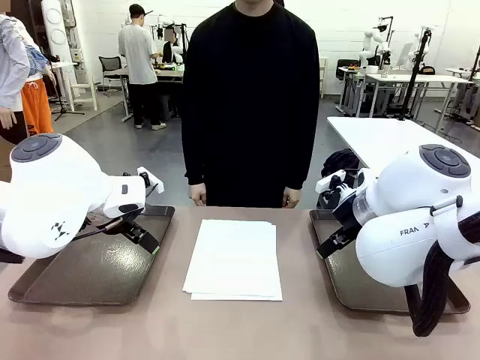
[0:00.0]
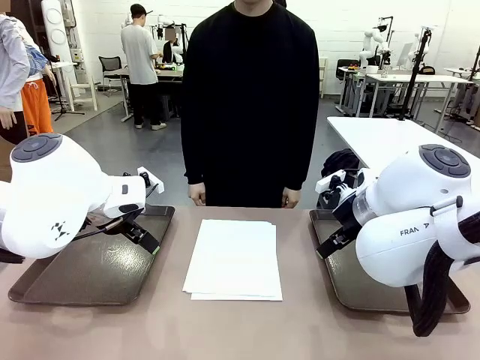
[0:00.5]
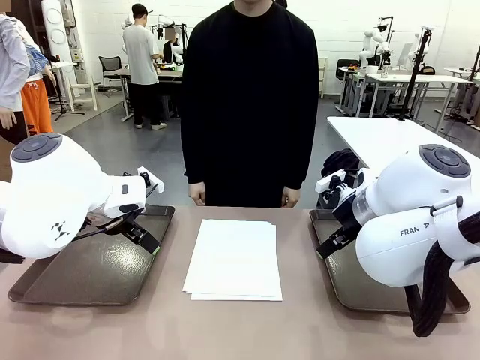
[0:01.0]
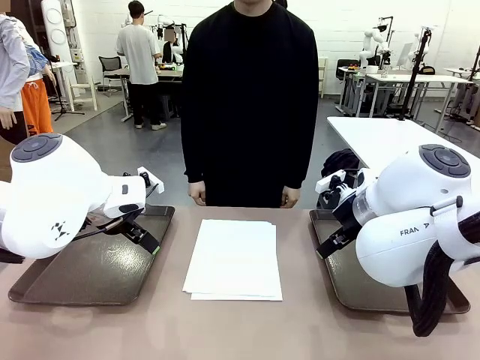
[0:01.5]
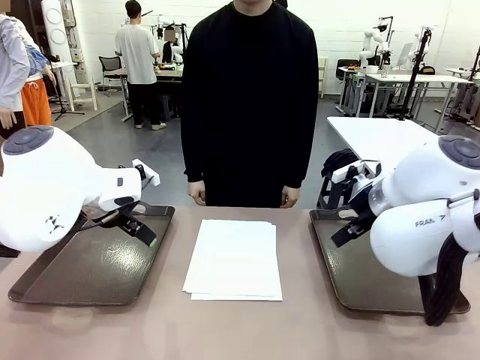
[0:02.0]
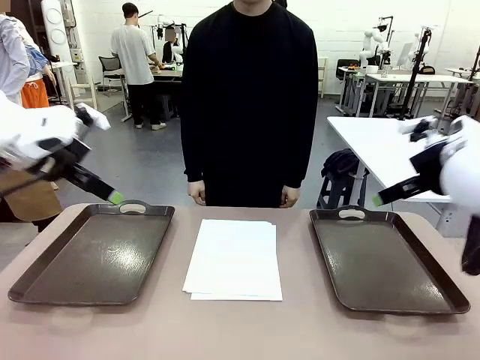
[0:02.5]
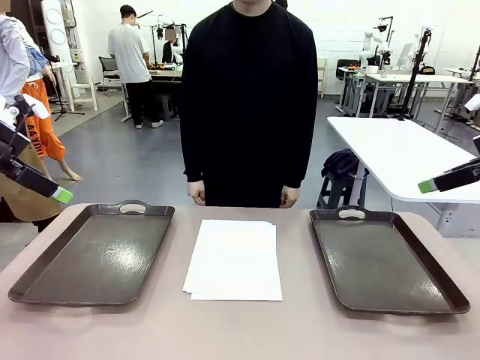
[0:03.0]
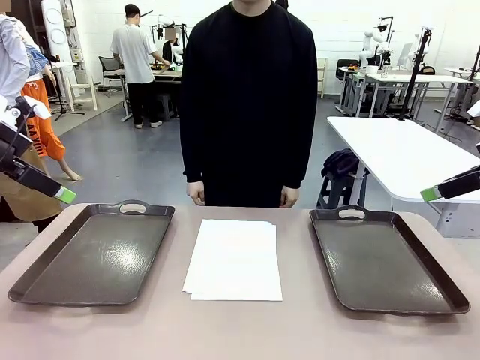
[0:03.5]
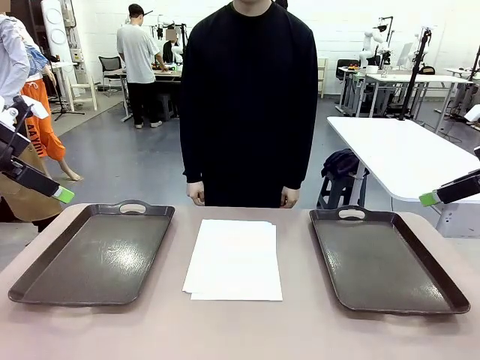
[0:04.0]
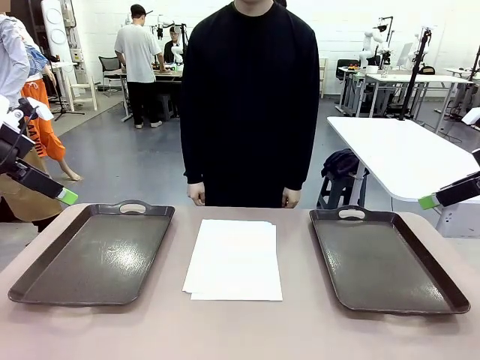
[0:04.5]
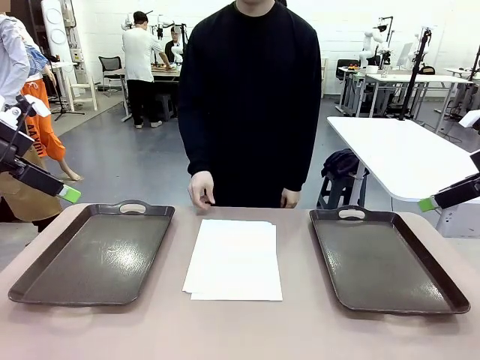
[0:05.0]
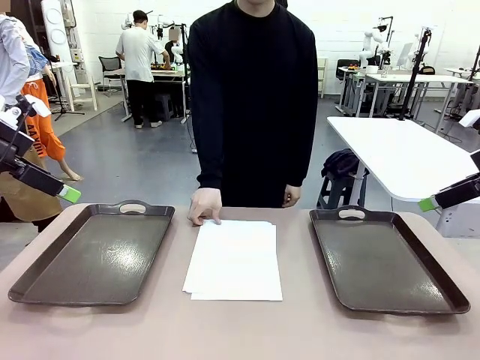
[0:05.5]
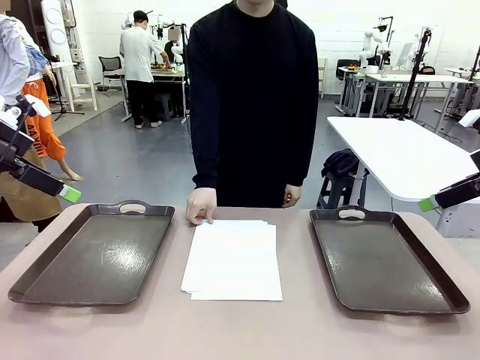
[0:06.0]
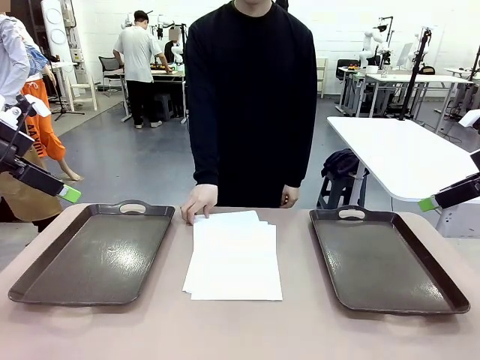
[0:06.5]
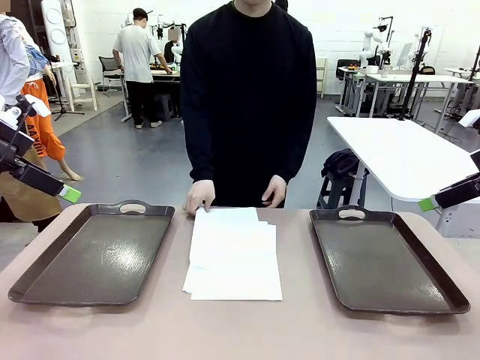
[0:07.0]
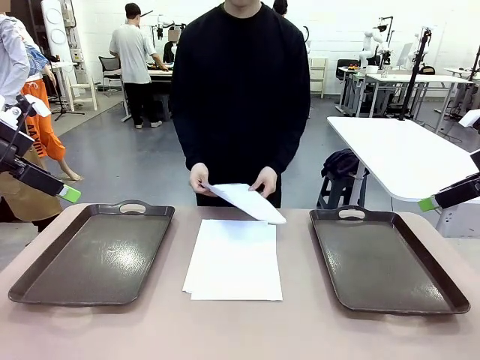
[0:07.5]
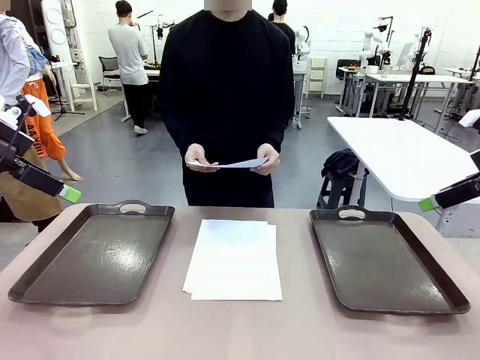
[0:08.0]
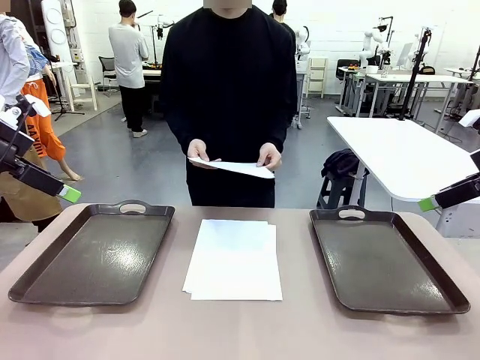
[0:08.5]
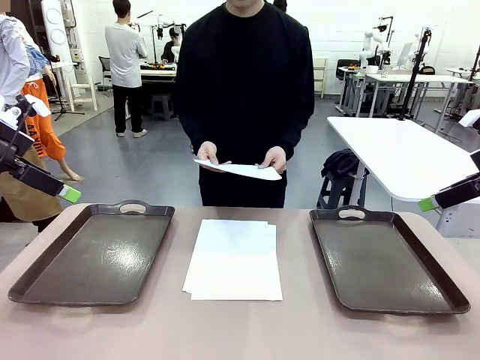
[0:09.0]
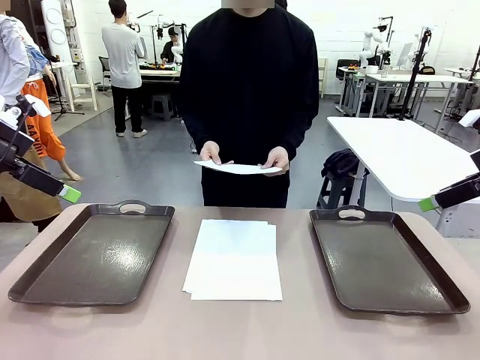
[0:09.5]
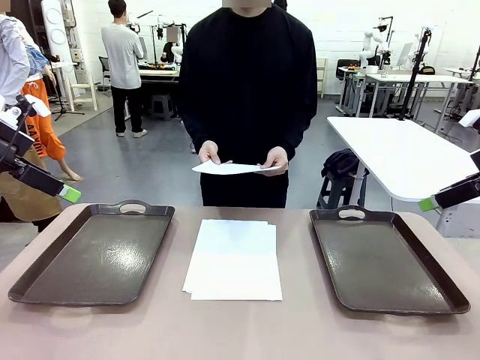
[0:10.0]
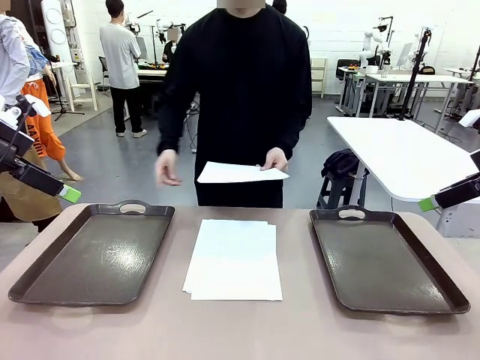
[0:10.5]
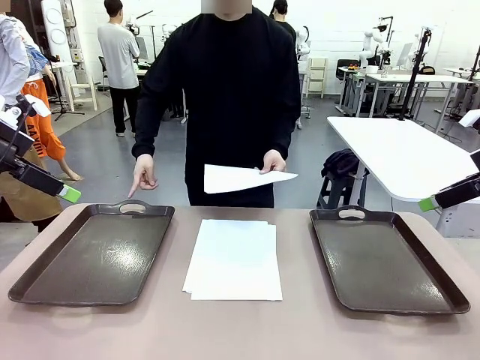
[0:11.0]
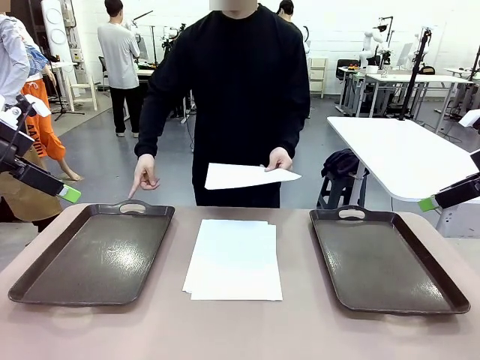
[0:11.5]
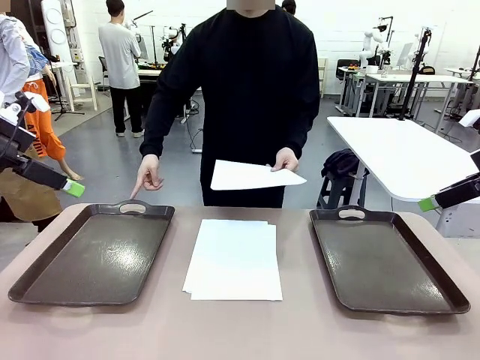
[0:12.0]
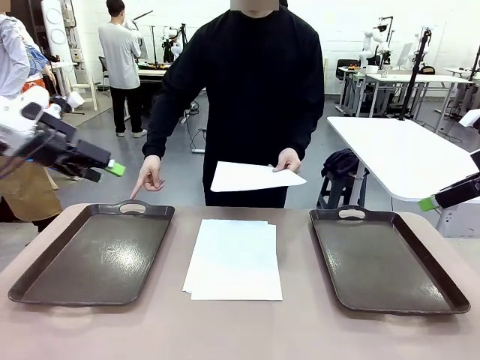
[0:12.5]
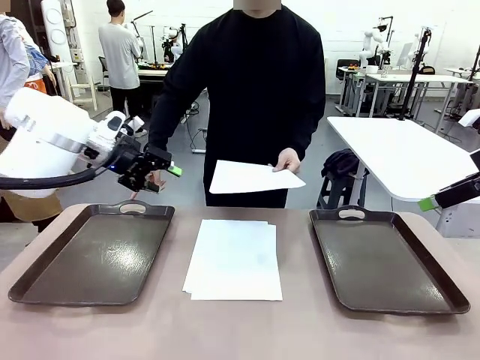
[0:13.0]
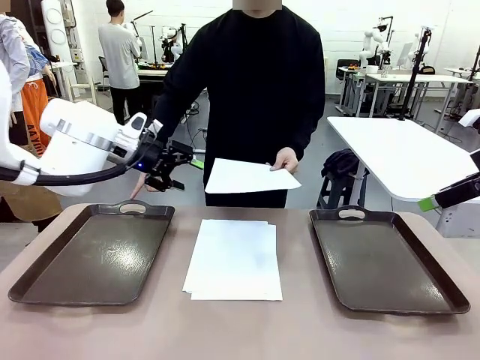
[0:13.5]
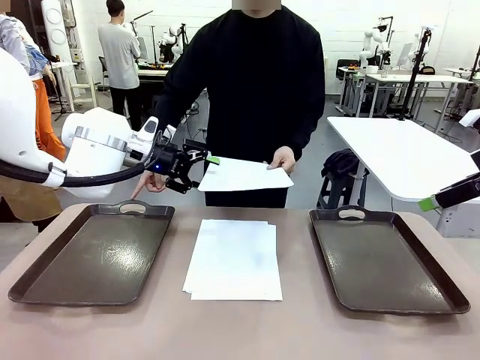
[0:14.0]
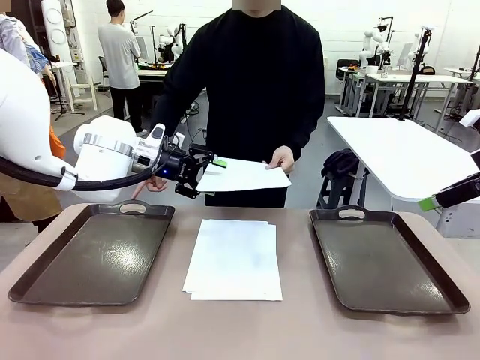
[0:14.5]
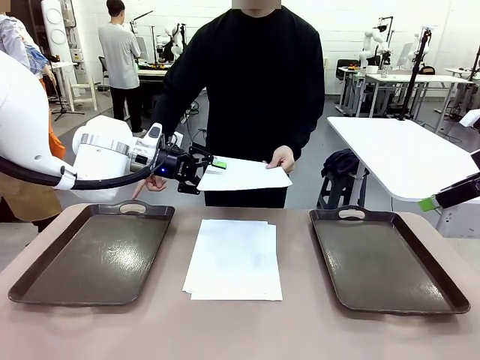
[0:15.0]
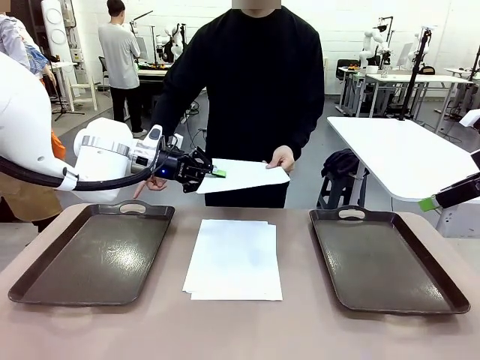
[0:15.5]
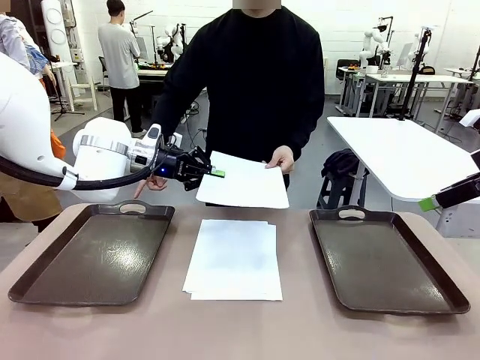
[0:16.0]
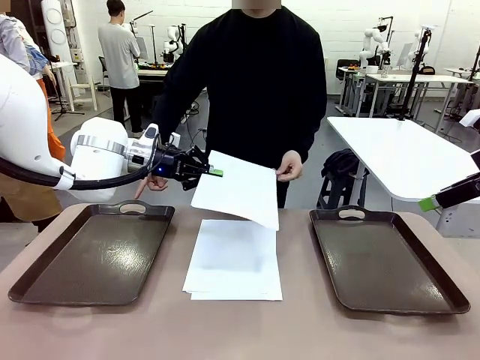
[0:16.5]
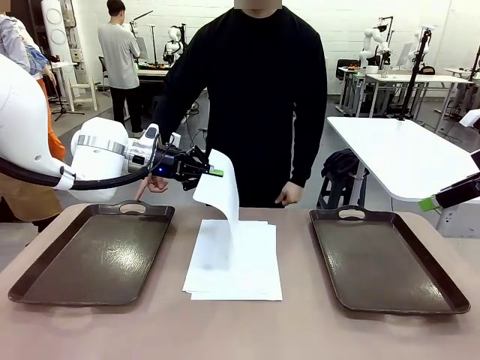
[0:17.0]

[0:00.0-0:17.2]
Task: Sort the A4 documents.
Robot: Receive the A4 Paper.
Person: Pick up a sheet of paper from the center of the table and hand it to the robot. Point the randomly selected tray with the other hand.

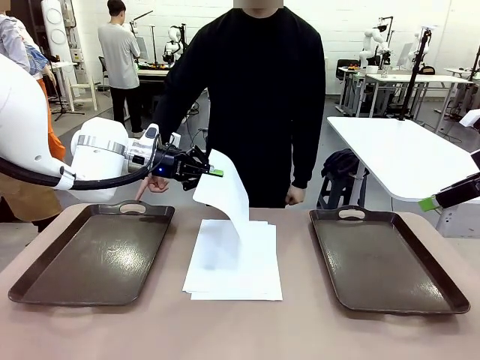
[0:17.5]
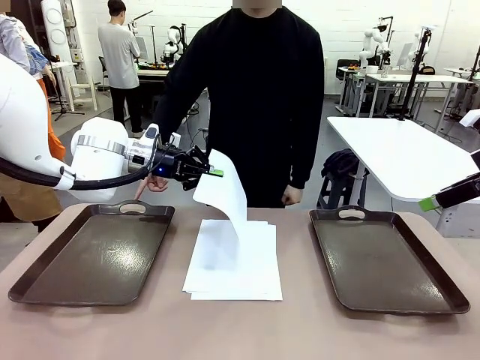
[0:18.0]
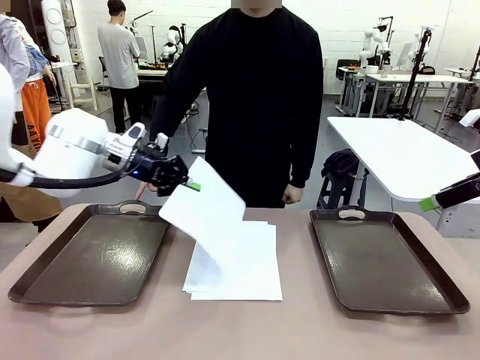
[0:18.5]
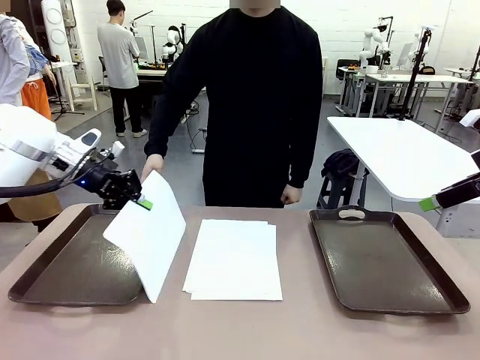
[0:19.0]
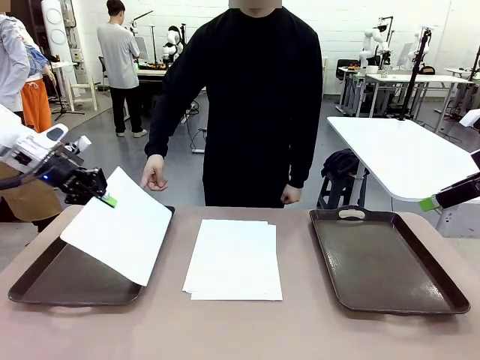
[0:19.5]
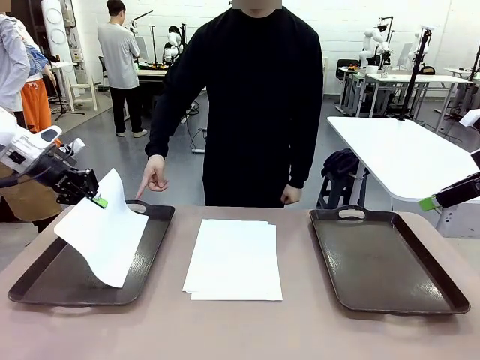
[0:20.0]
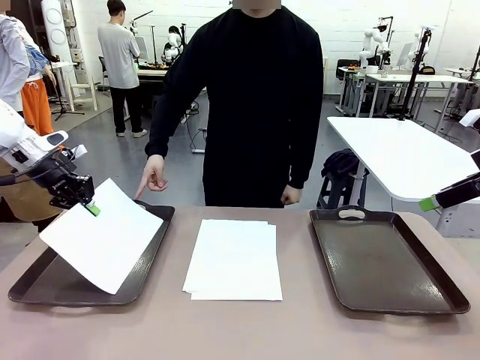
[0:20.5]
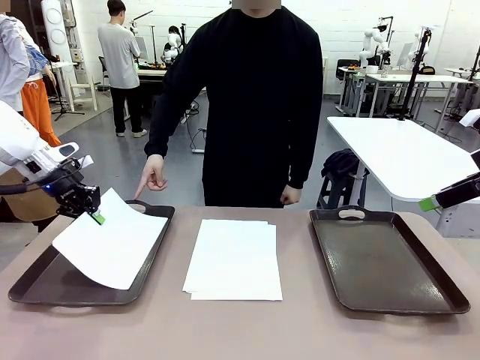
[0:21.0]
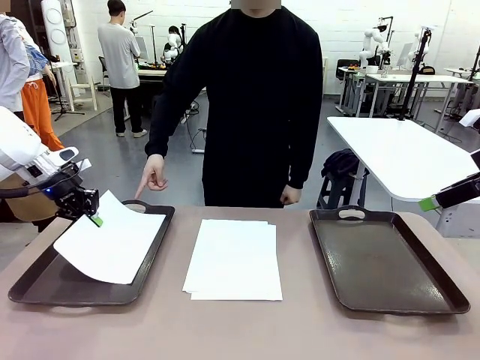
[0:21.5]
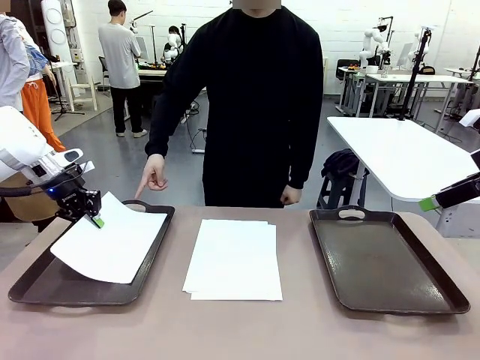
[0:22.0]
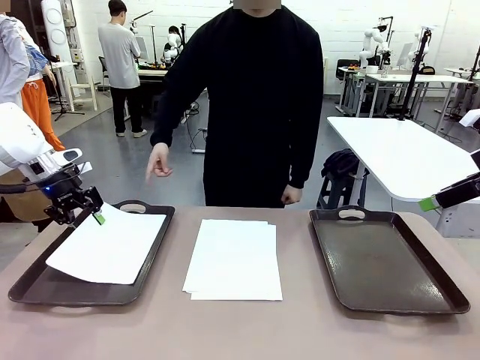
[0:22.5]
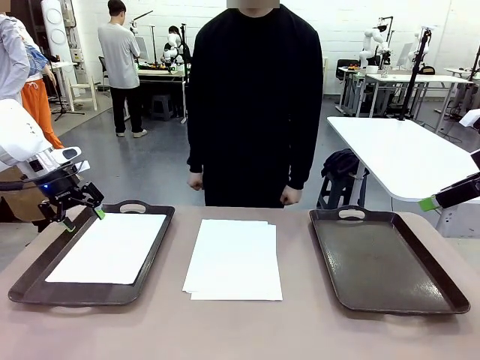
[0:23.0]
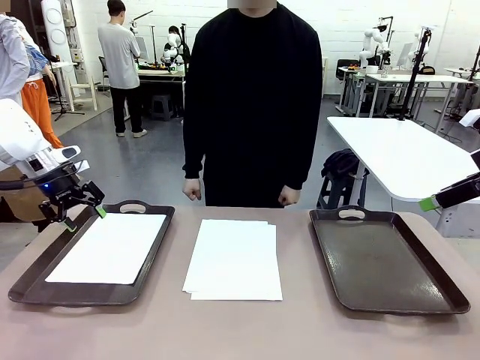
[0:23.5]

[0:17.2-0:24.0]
Robot: Place the A4 Paper in the designated Handle tray.
